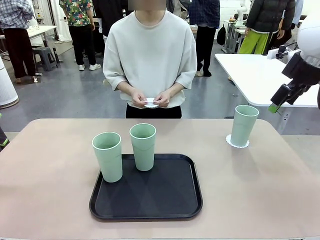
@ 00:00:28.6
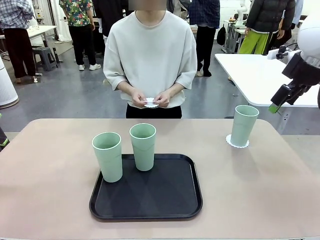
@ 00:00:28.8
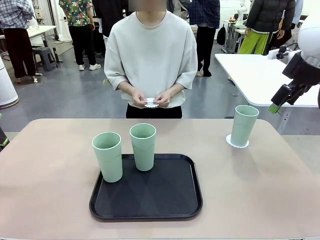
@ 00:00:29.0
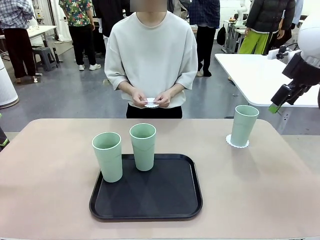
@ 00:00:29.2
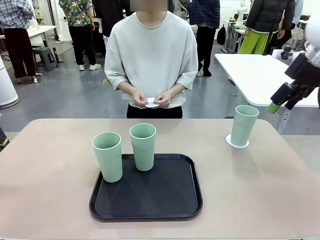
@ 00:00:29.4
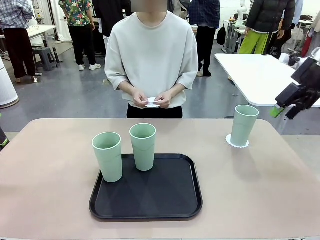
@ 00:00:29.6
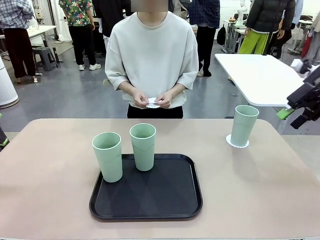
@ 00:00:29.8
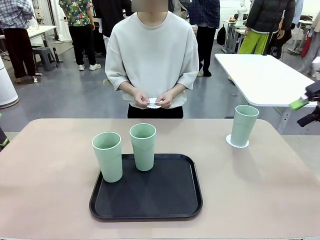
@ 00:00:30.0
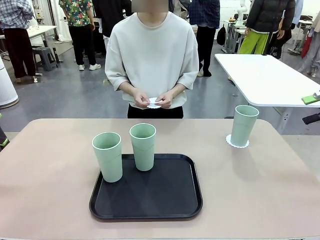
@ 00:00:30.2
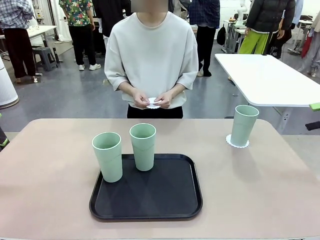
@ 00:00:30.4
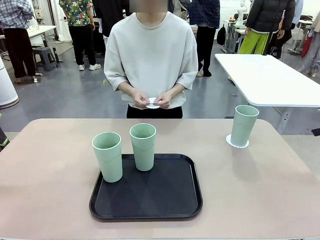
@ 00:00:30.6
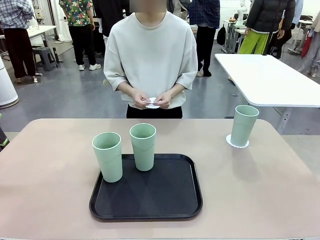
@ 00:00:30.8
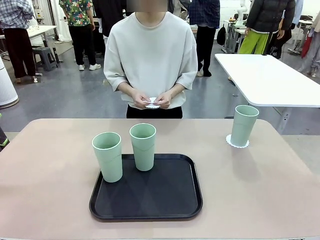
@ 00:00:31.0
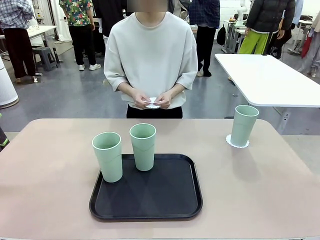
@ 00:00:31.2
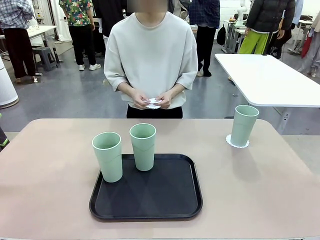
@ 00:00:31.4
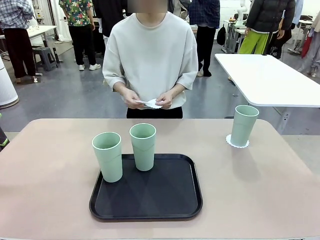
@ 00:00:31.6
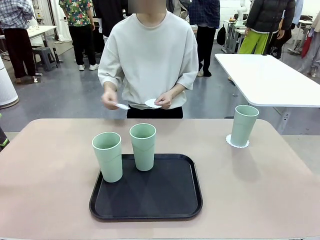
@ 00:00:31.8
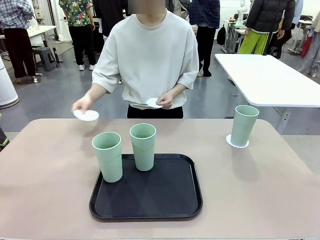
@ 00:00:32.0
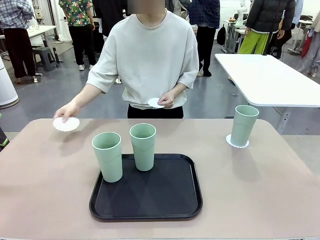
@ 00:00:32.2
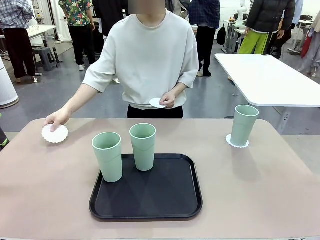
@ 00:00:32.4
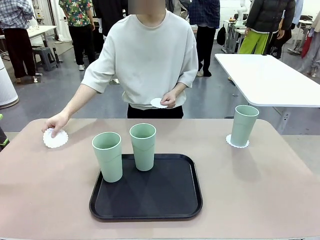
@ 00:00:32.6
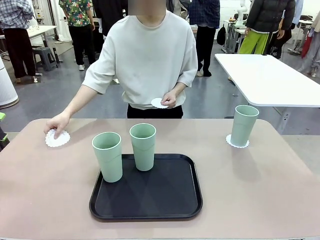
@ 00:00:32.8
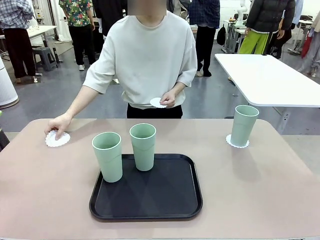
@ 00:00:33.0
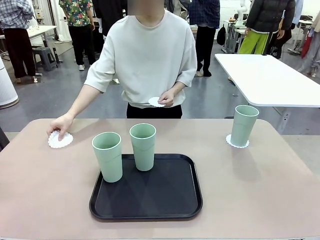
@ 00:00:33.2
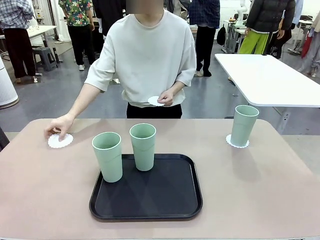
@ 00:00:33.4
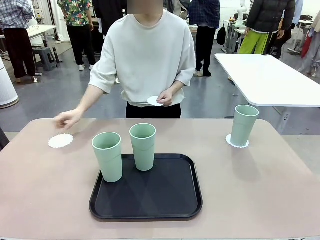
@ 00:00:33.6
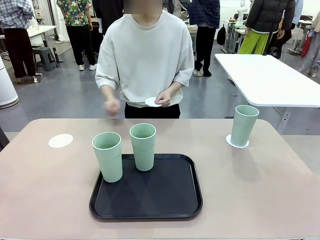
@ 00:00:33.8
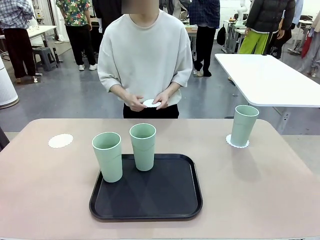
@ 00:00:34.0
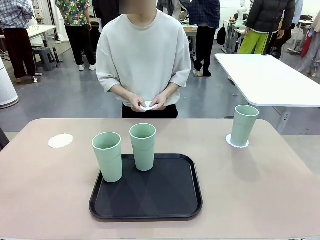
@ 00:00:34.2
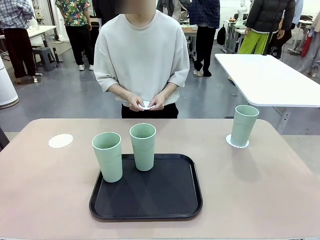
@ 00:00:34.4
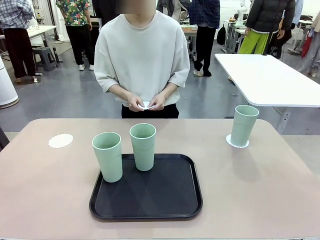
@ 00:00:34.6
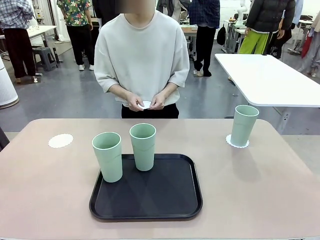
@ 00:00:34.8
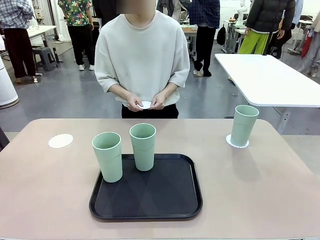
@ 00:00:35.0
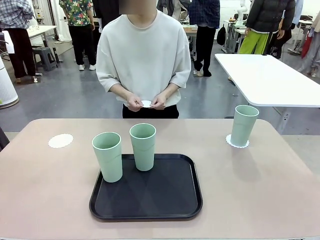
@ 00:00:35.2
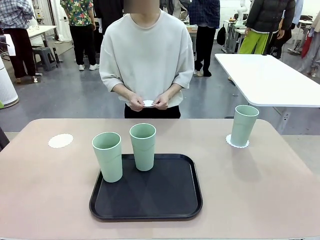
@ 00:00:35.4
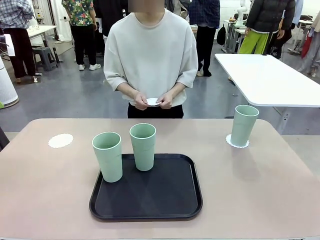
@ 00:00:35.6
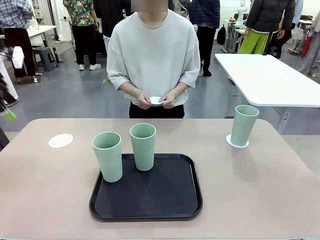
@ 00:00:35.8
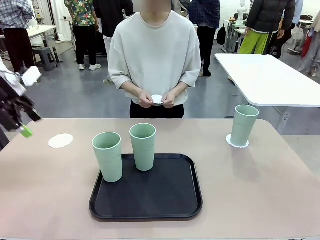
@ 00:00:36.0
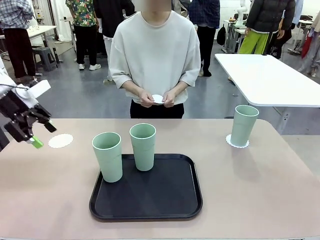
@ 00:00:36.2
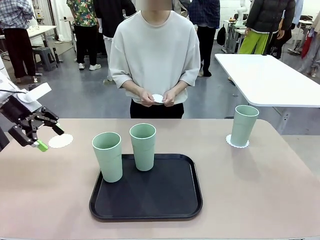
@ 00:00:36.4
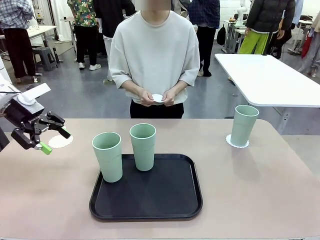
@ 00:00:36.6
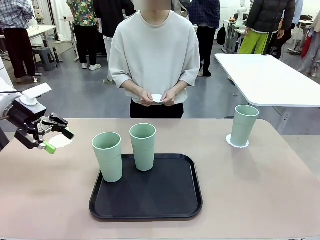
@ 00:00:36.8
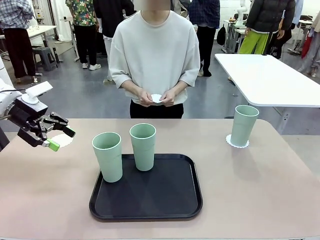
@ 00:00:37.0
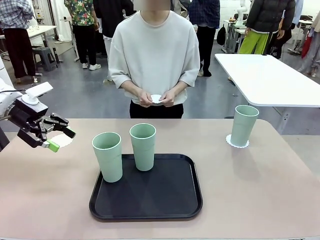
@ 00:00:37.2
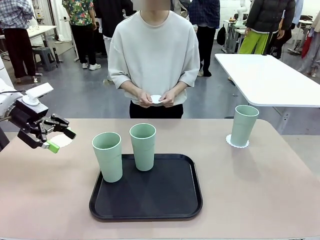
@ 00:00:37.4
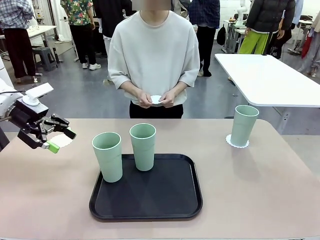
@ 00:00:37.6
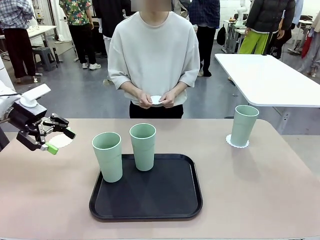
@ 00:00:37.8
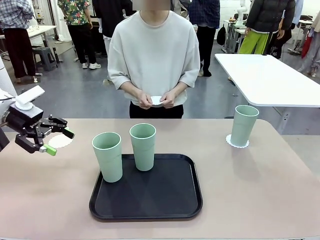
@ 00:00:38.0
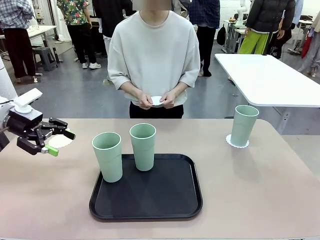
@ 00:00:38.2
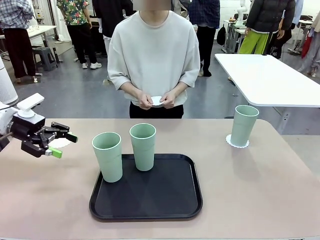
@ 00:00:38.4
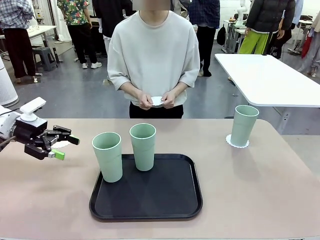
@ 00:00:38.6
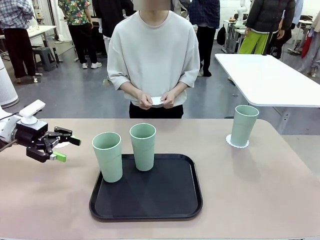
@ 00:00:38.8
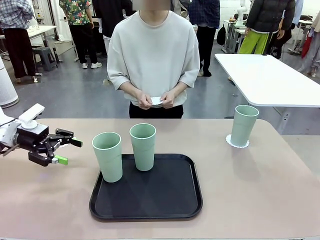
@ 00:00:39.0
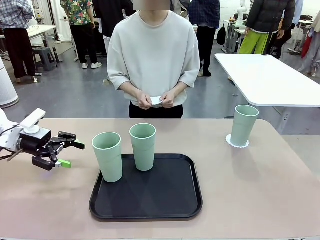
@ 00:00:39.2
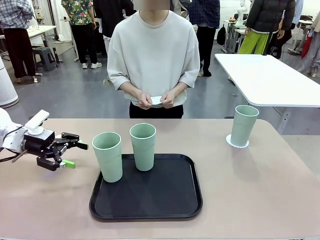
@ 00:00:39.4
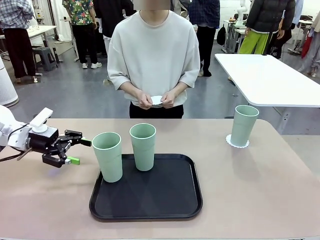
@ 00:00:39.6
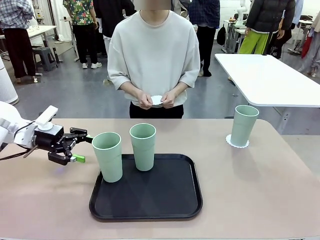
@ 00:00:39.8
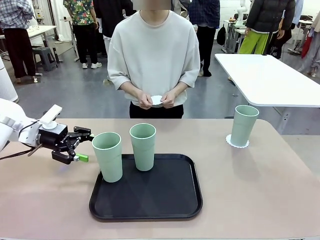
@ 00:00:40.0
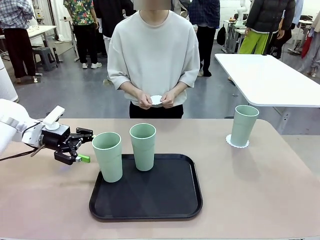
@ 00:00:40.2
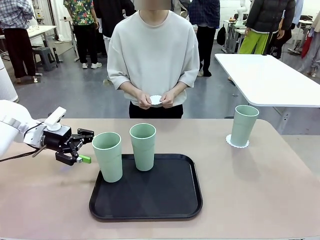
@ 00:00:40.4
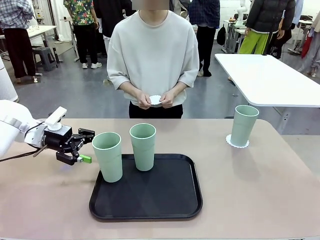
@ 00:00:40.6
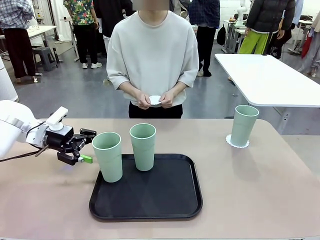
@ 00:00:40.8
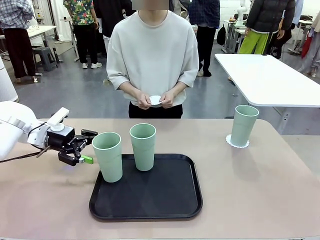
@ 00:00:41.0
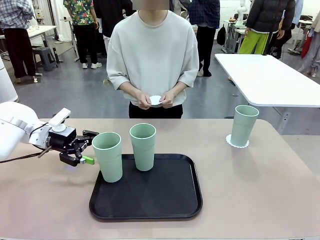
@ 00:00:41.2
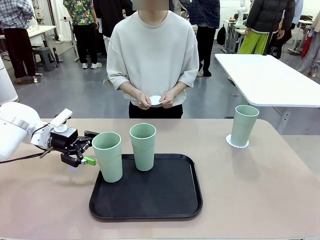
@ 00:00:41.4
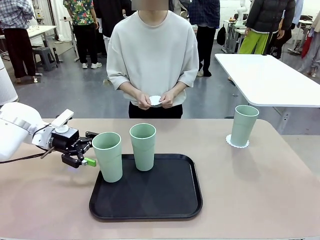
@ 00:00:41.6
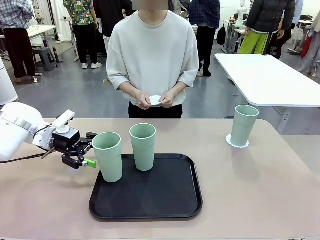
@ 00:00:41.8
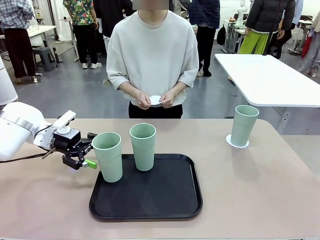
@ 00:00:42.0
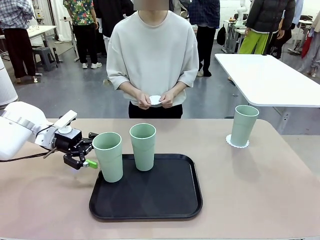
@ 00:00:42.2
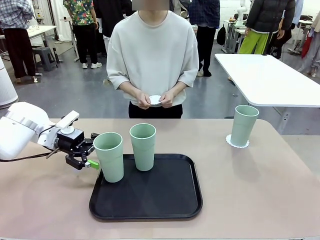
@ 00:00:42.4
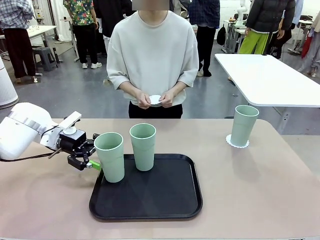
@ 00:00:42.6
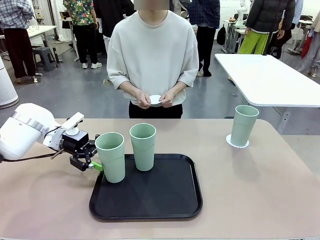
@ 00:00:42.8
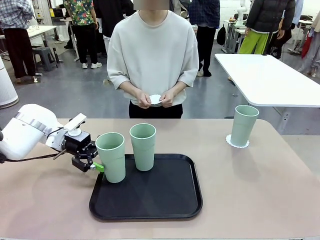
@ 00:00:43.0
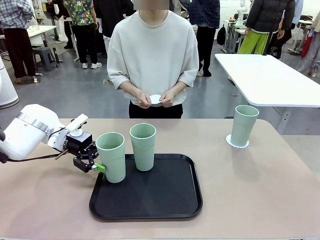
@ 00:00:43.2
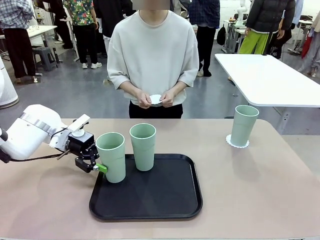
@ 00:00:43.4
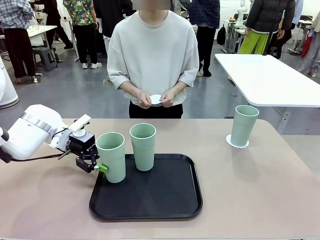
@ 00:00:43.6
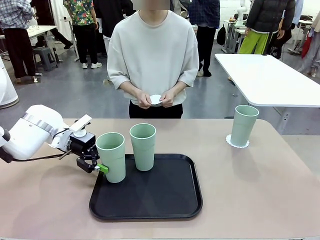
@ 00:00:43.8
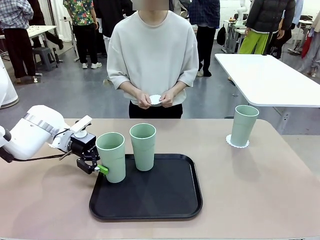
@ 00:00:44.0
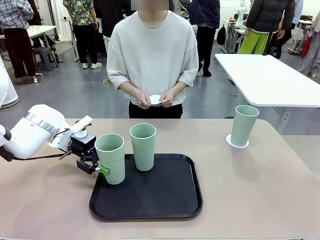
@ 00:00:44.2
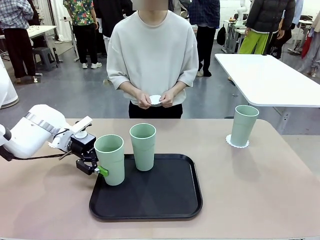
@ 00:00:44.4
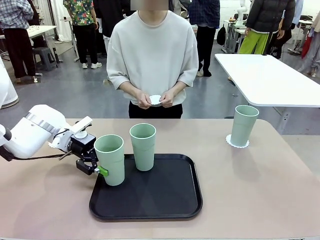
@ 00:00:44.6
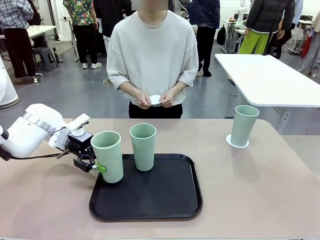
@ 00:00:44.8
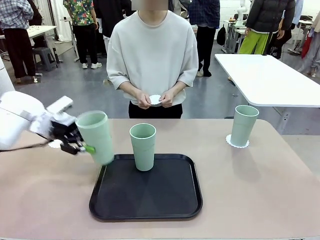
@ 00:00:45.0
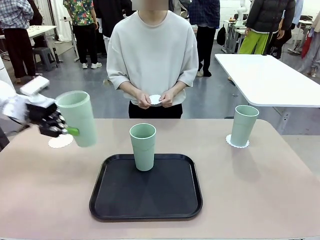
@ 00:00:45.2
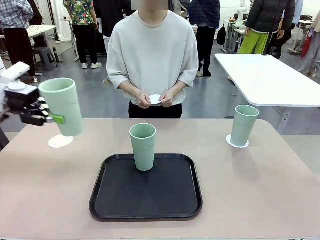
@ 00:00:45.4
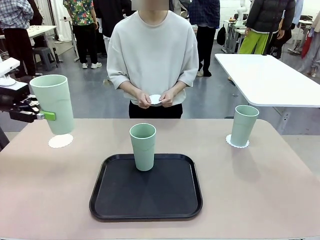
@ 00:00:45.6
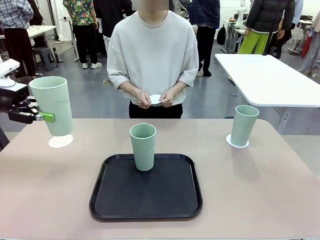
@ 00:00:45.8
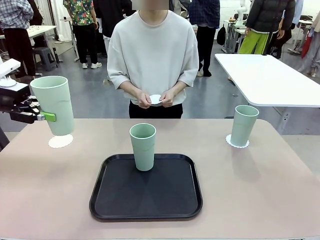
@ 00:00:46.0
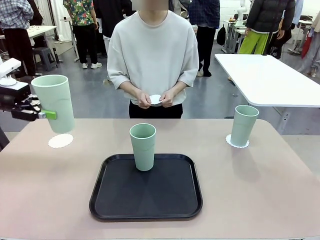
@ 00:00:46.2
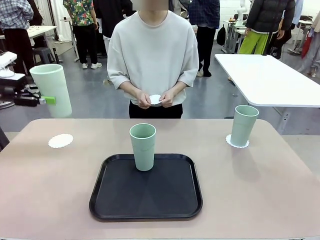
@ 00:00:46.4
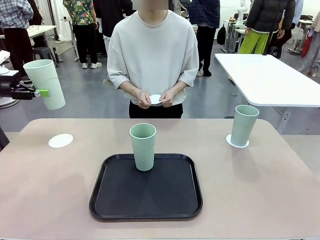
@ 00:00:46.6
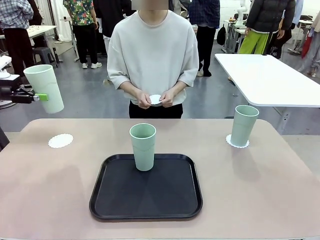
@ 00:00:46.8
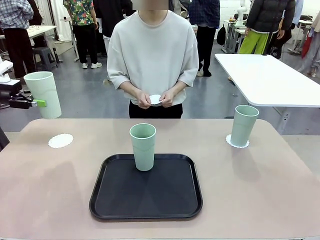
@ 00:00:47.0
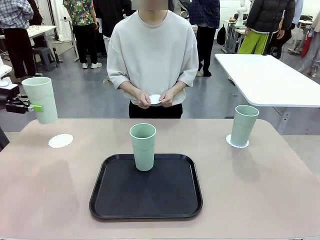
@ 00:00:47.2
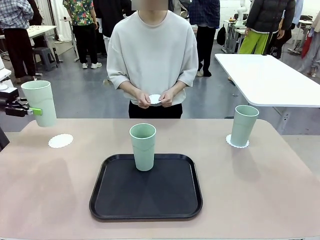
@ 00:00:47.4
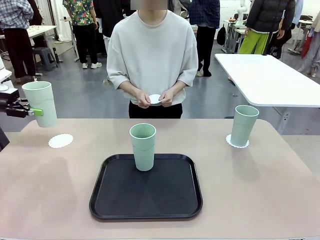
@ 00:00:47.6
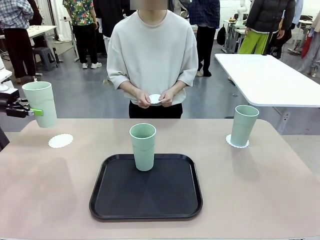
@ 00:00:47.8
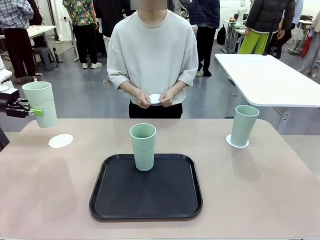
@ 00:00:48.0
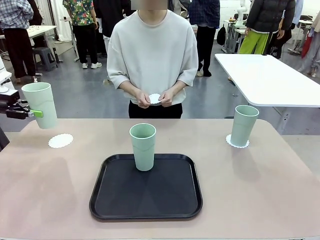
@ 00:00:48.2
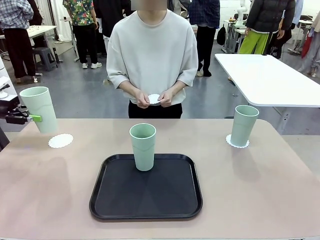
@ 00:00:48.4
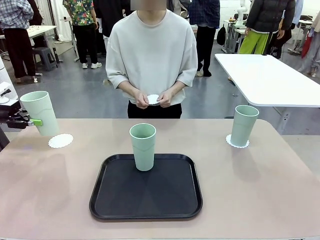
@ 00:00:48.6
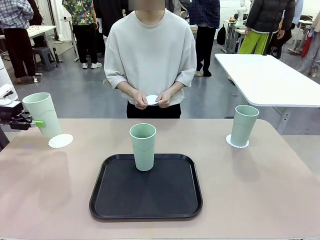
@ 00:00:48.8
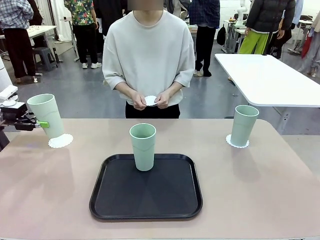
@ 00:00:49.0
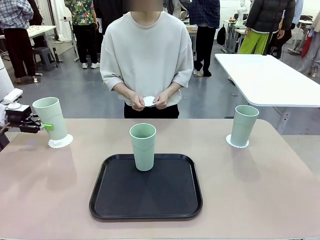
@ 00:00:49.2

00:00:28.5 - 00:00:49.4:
Task: Place coasters on the table and set cups on them.
Robot: Take one Reusable plastic cup from the Flat Tray and place it on a coaster set by the human.
